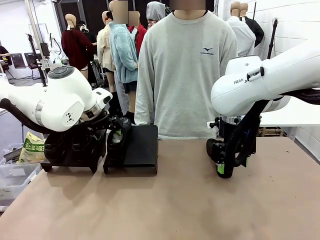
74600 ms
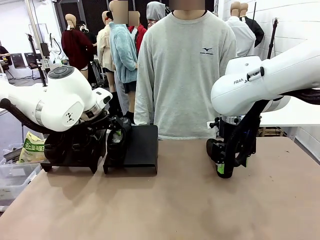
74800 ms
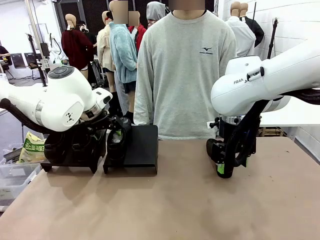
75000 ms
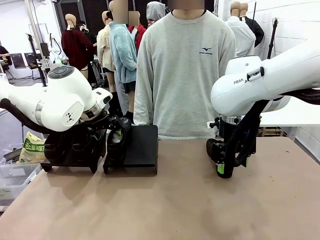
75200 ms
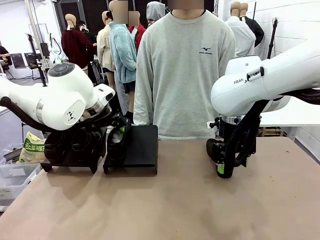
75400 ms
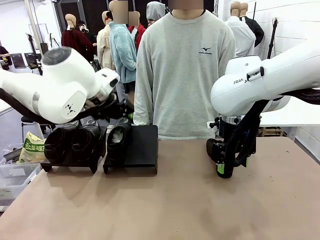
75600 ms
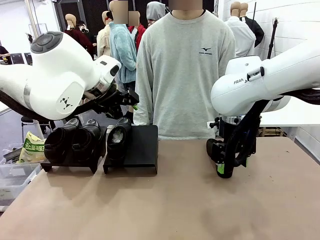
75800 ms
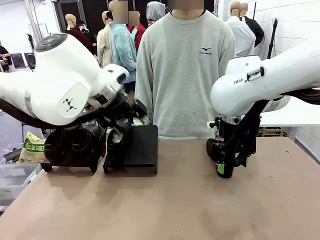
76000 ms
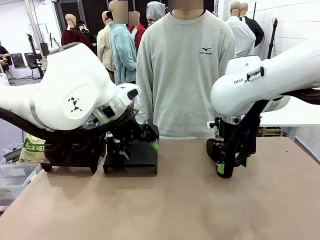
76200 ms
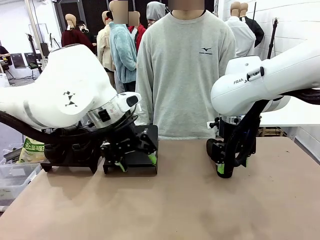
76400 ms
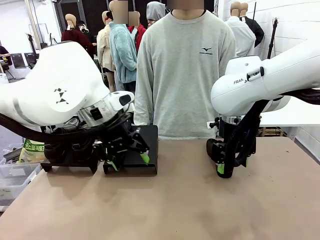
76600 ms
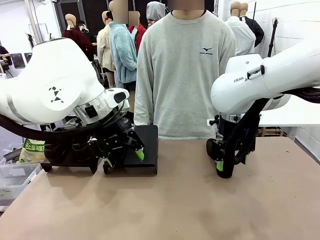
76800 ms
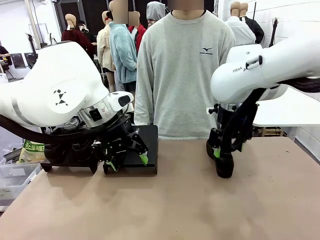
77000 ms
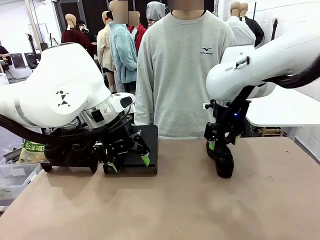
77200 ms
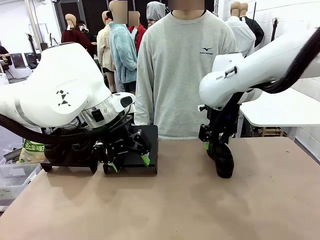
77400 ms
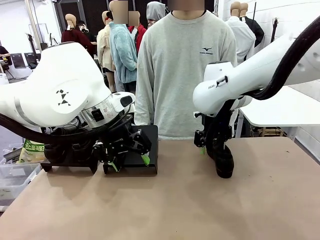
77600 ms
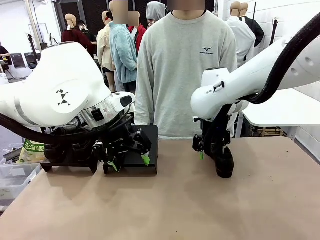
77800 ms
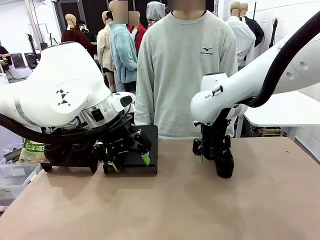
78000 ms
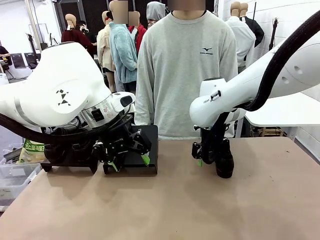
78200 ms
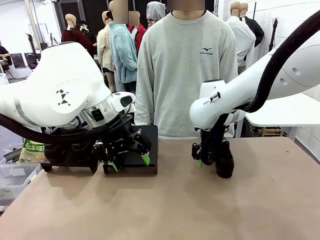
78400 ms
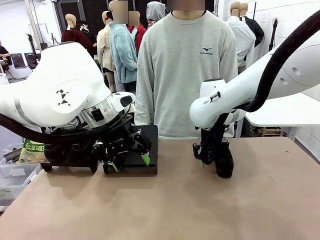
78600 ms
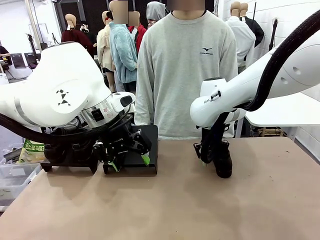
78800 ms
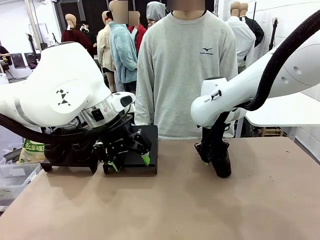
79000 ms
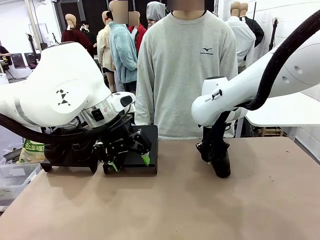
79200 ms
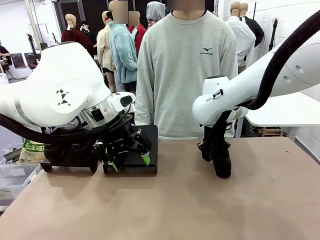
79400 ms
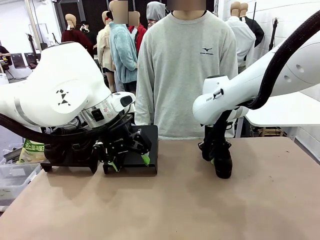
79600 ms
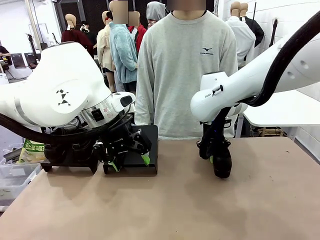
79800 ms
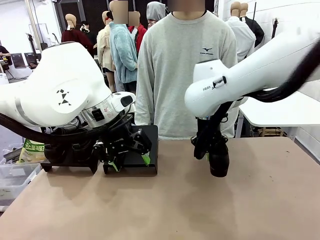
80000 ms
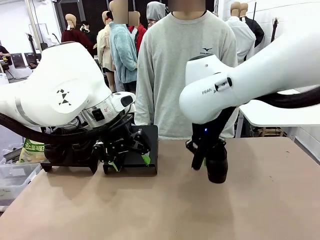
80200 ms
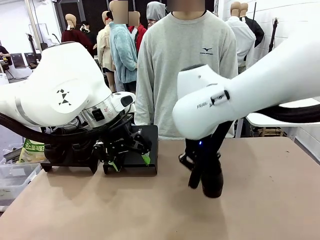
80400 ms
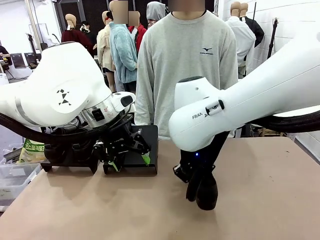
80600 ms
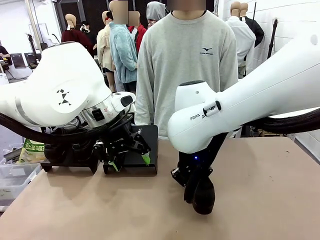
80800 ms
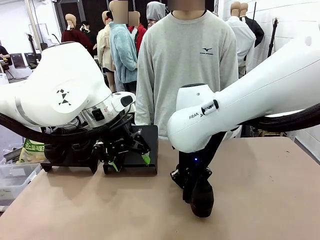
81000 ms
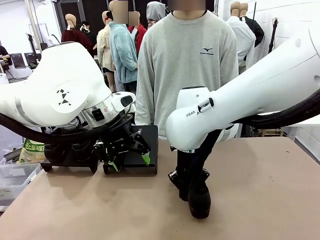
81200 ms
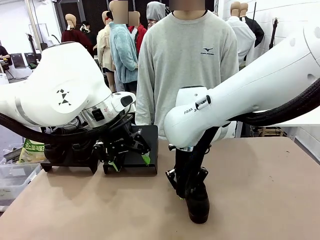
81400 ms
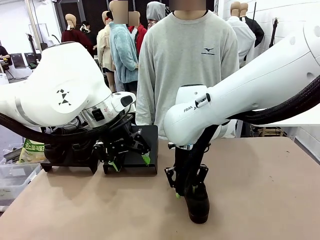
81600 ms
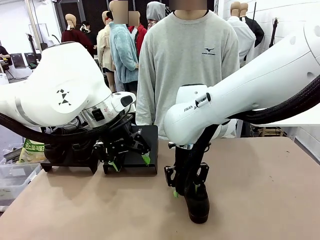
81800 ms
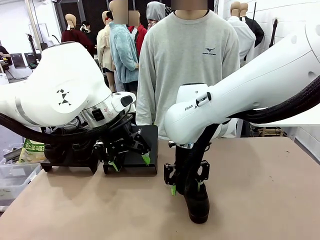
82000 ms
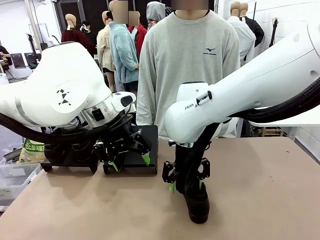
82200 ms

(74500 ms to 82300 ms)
Task: Organize the shoes by placing them on the stand.
Robot: Pick up one Shoe and place it in the middle of the table.

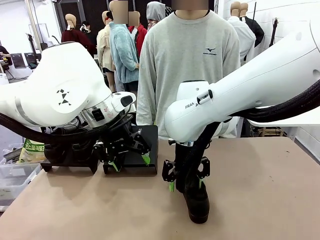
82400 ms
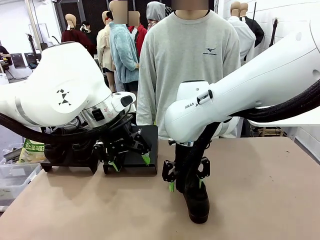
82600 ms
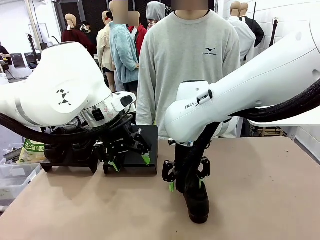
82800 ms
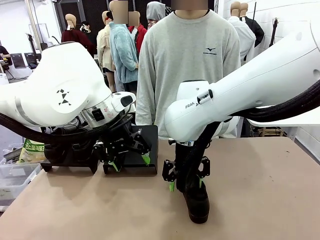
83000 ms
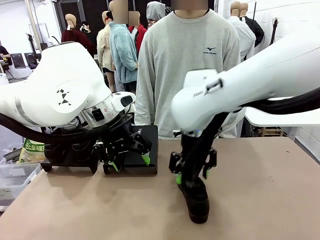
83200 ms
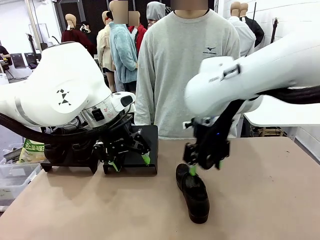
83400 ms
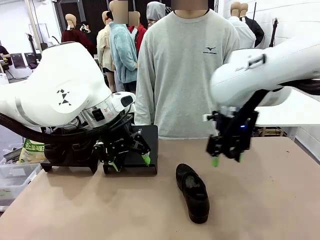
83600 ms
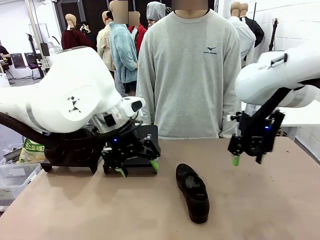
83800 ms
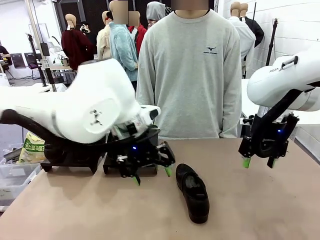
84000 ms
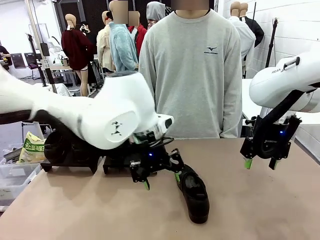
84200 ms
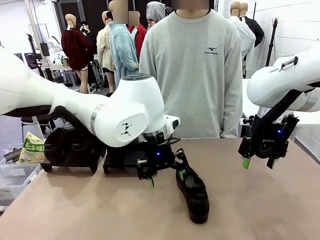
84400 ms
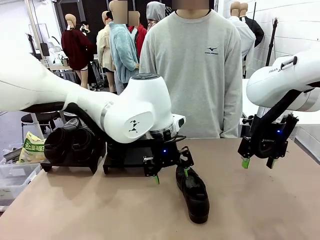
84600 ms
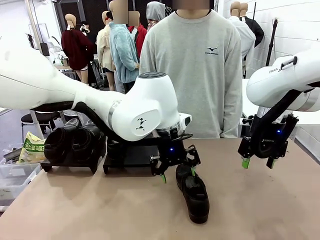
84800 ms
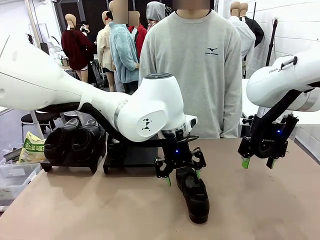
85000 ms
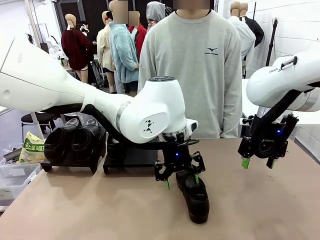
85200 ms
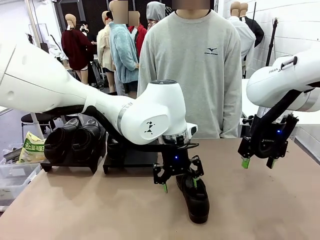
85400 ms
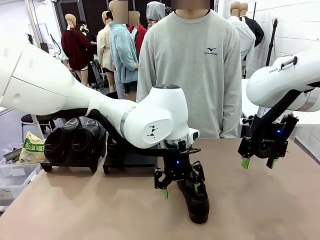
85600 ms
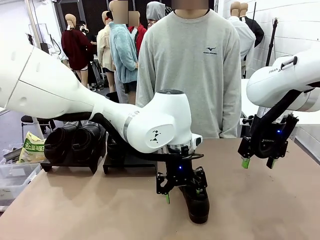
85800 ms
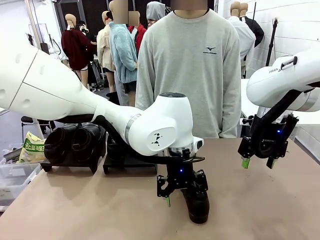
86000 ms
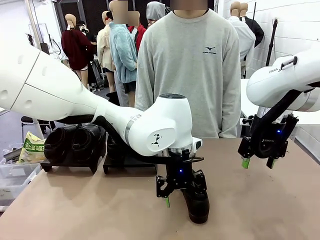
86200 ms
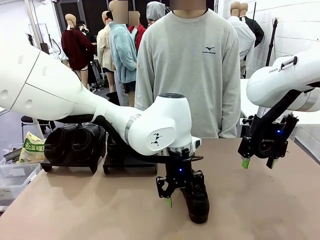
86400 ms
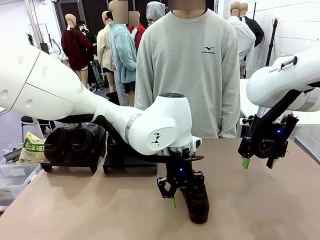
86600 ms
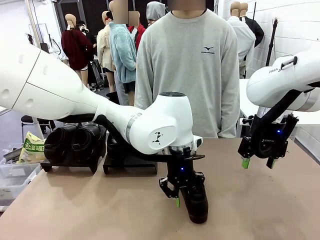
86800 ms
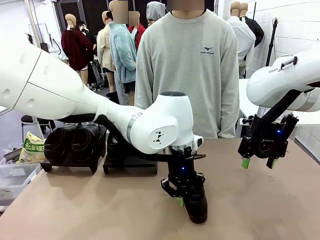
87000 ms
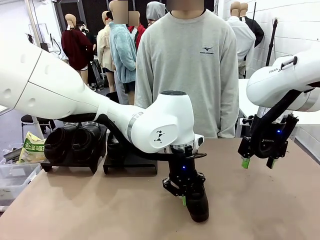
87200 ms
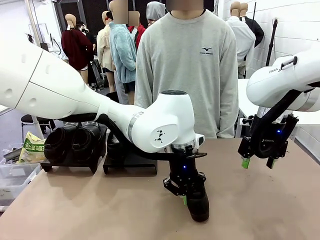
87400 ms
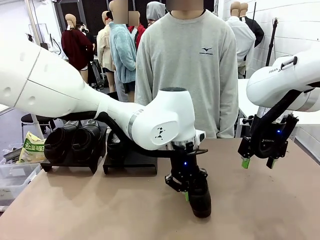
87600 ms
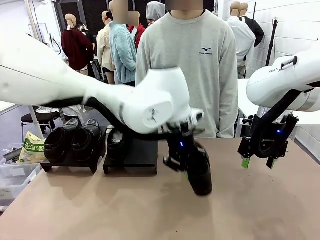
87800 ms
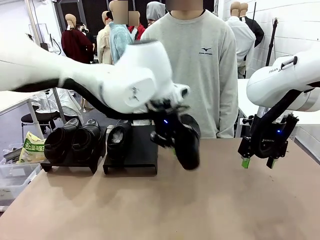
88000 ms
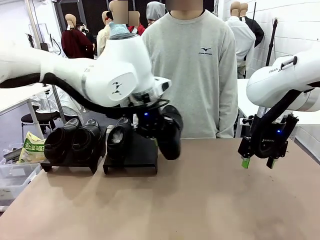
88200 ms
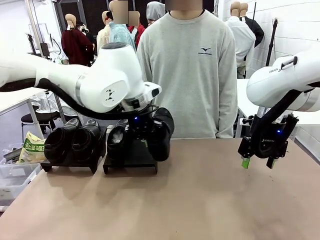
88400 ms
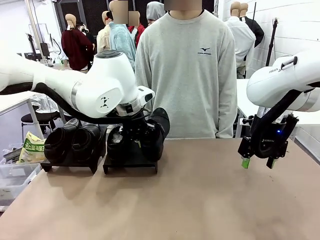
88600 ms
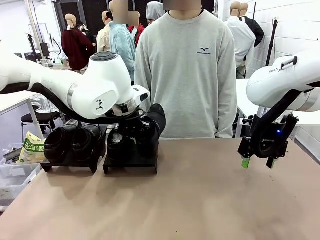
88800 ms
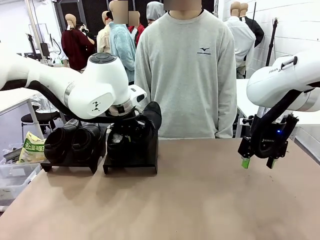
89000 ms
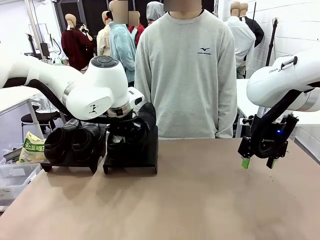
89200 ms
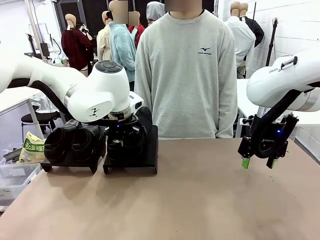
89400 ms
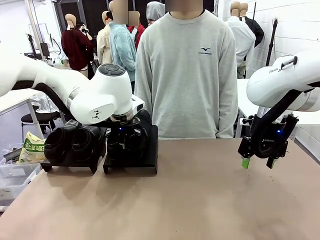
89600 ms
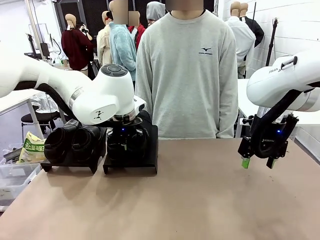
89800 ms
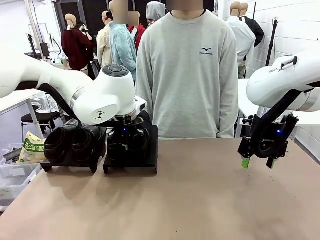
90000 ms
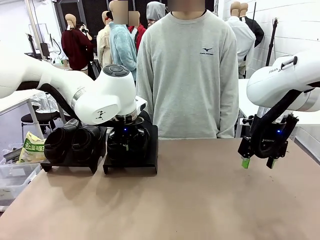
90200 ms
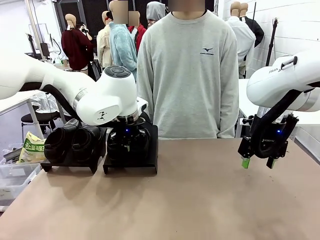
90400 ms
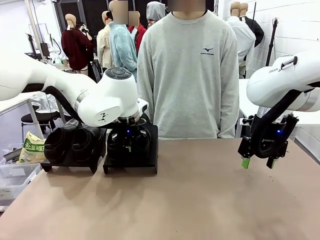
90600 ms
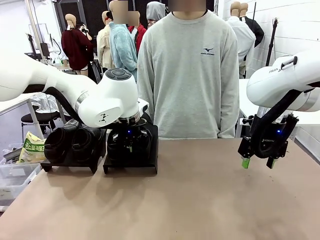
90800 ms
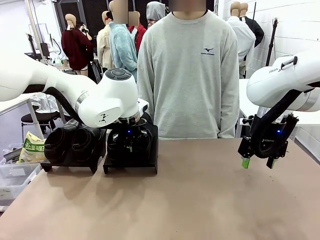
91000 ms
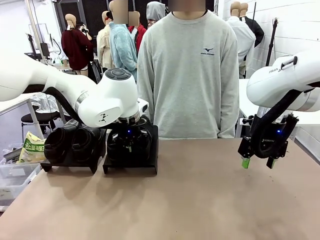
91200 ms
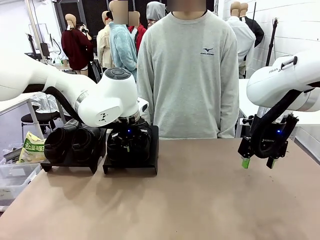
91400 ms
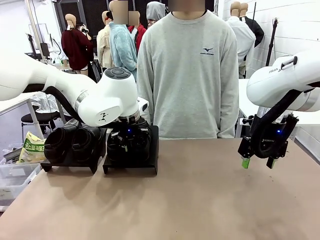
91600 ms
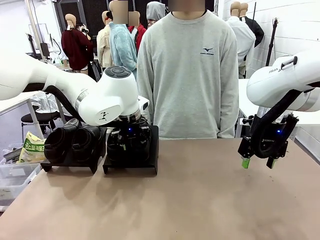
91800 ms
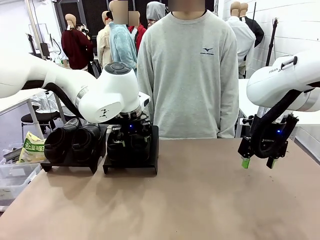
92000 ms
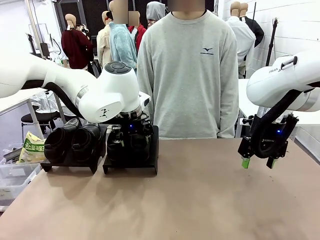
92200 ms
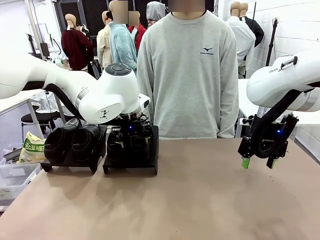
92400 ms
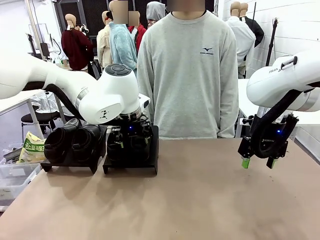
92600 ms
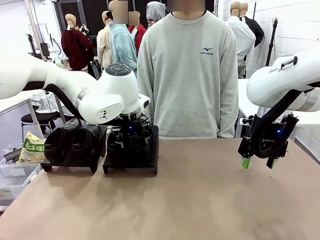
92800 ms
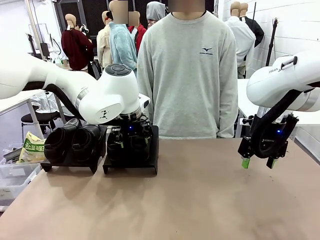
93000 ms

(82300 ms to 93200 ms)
Robot: Place the Shoe from the middle of the table onto the Shoes Stand.
